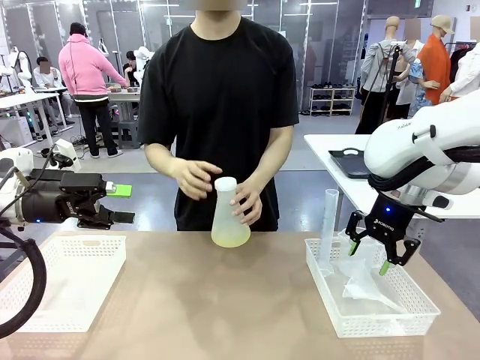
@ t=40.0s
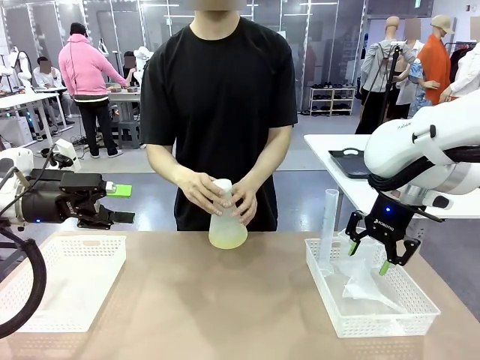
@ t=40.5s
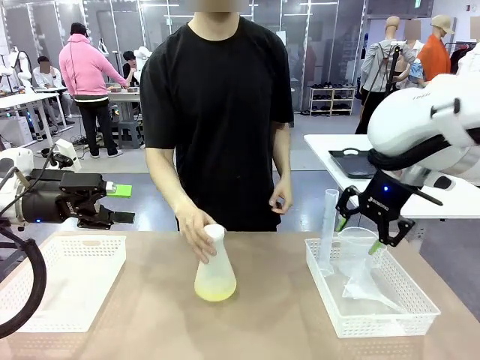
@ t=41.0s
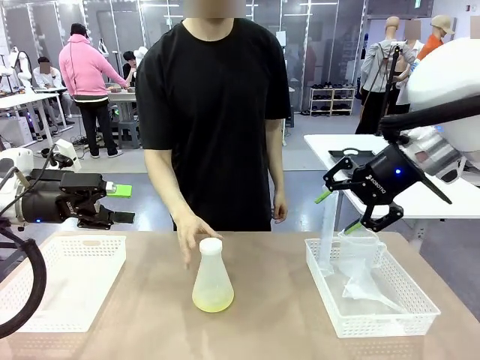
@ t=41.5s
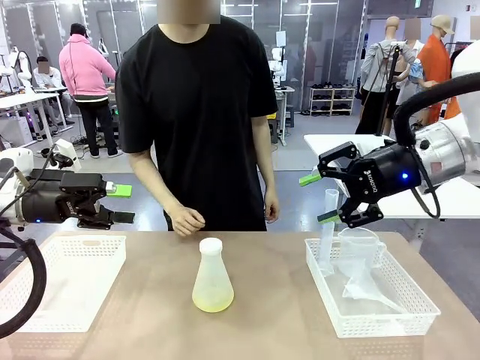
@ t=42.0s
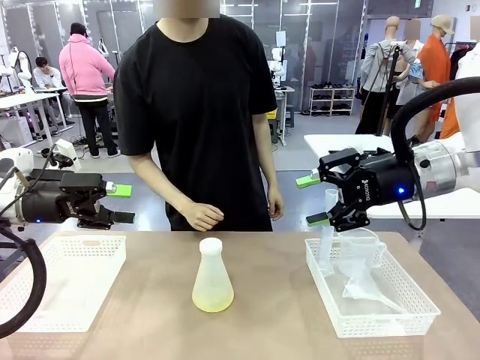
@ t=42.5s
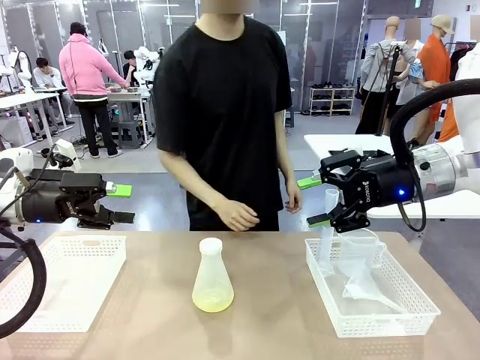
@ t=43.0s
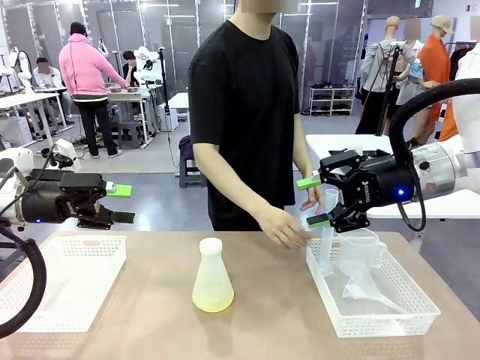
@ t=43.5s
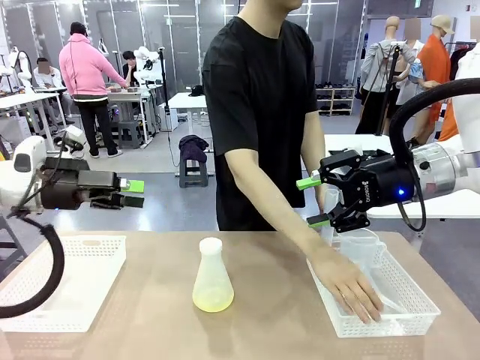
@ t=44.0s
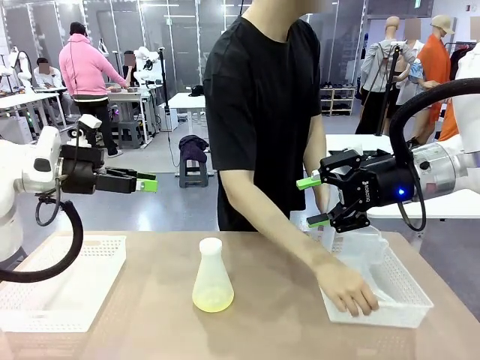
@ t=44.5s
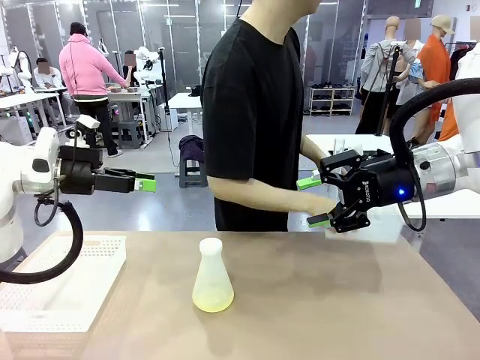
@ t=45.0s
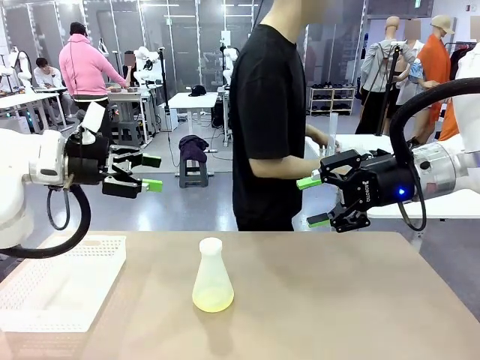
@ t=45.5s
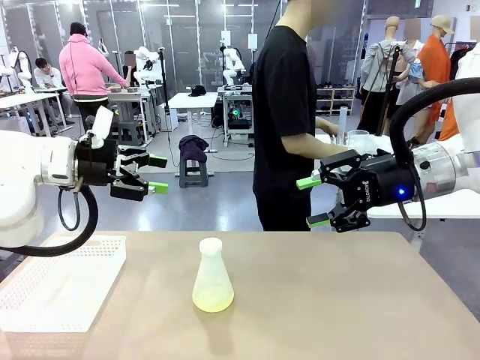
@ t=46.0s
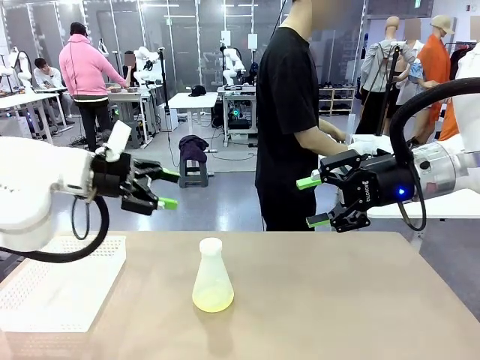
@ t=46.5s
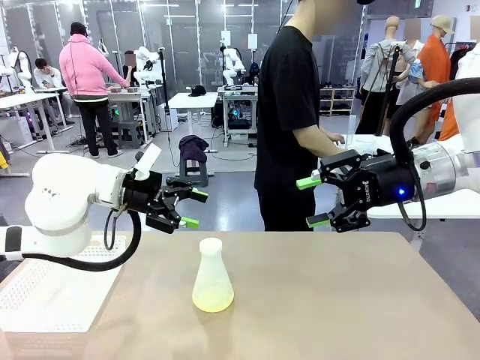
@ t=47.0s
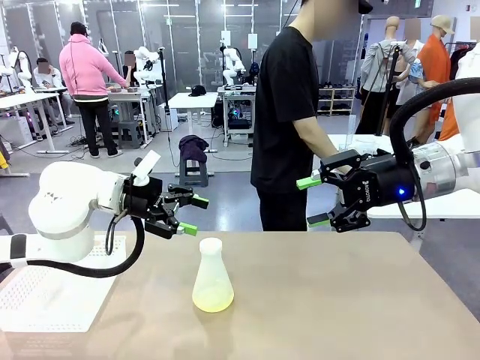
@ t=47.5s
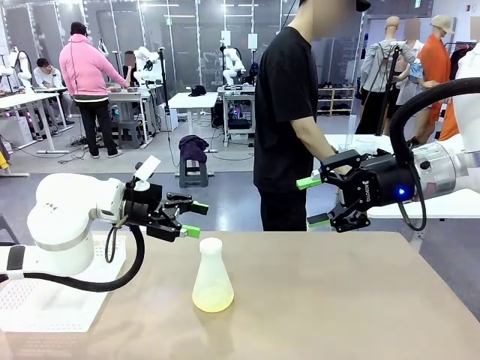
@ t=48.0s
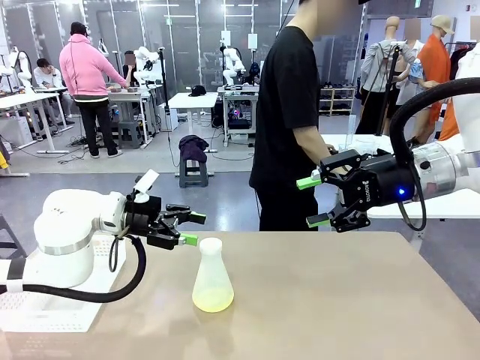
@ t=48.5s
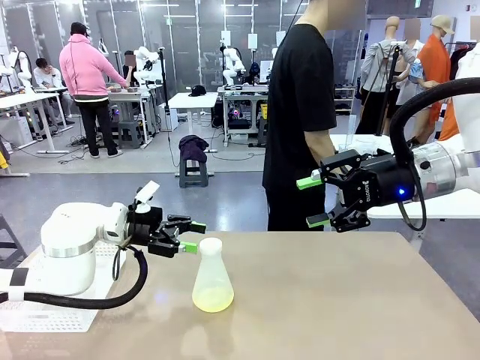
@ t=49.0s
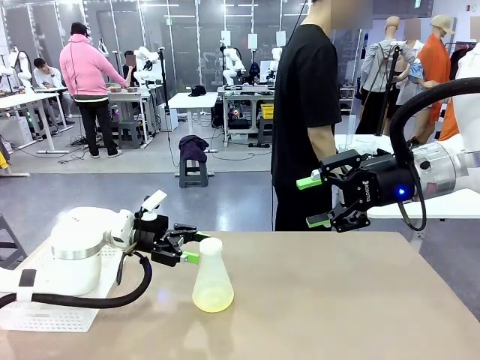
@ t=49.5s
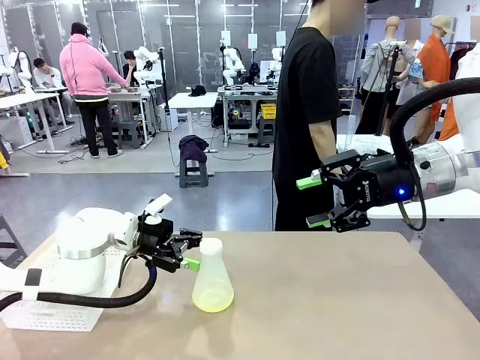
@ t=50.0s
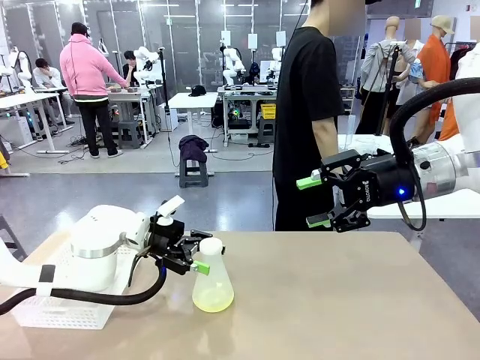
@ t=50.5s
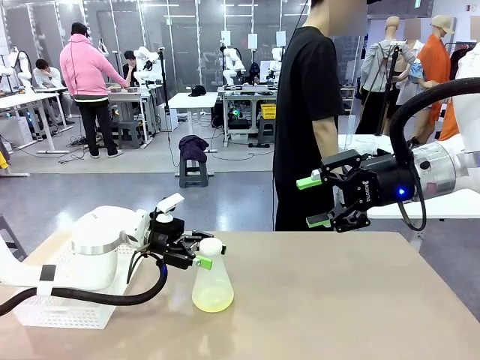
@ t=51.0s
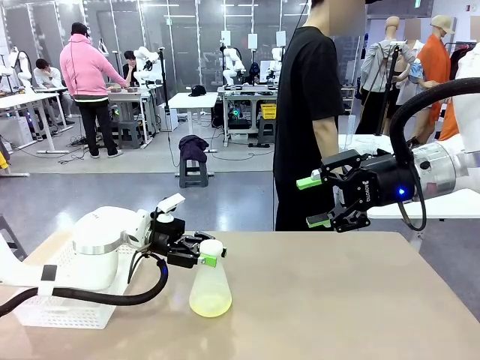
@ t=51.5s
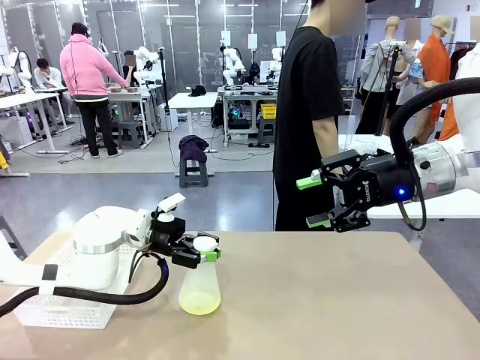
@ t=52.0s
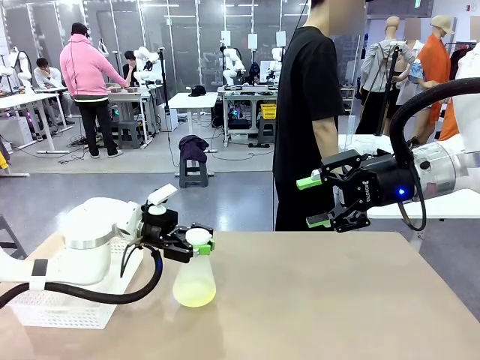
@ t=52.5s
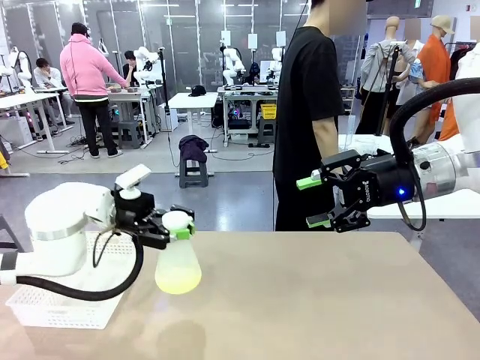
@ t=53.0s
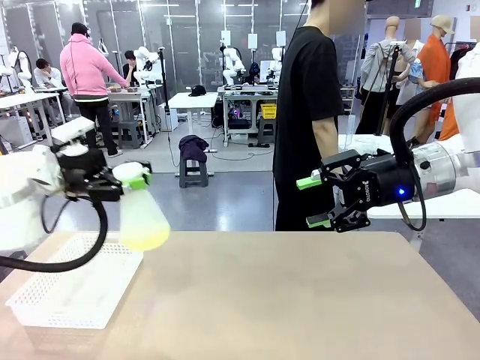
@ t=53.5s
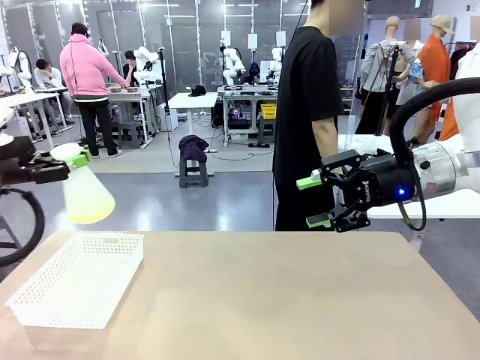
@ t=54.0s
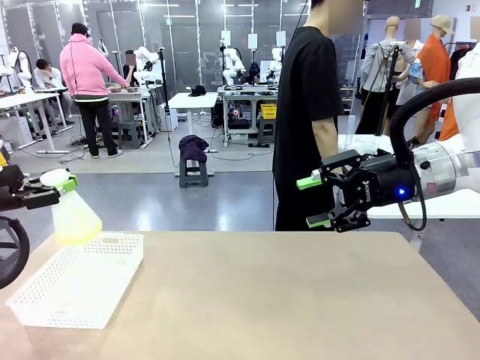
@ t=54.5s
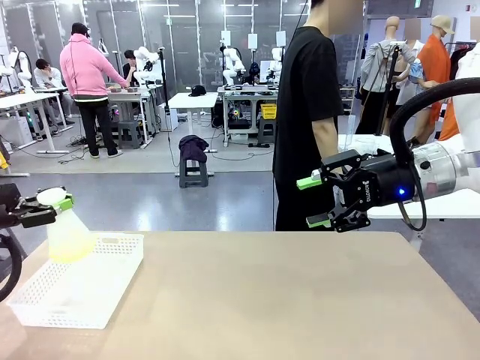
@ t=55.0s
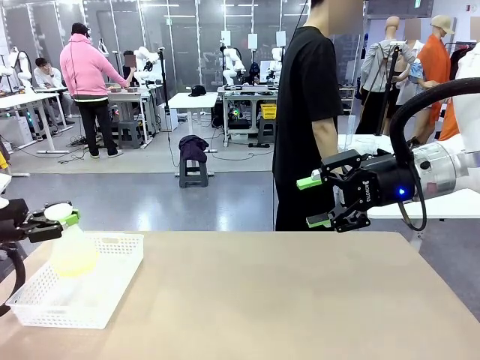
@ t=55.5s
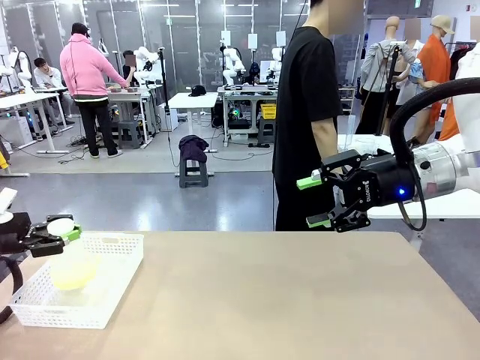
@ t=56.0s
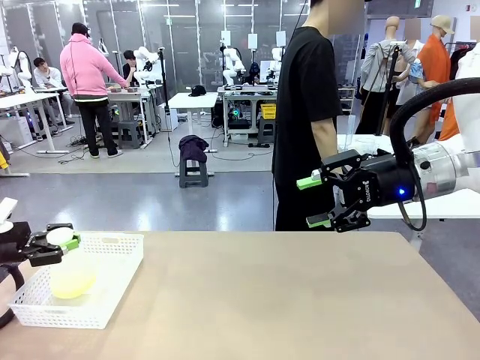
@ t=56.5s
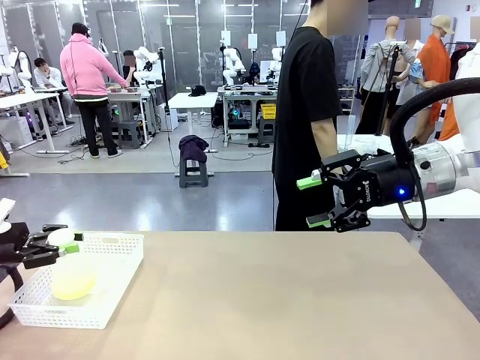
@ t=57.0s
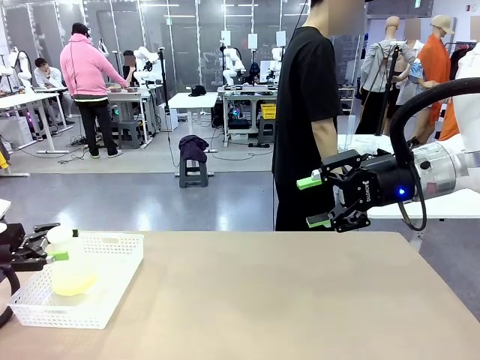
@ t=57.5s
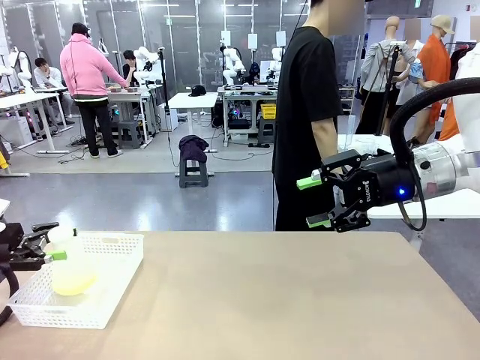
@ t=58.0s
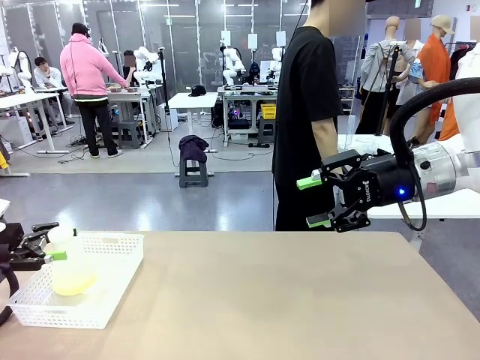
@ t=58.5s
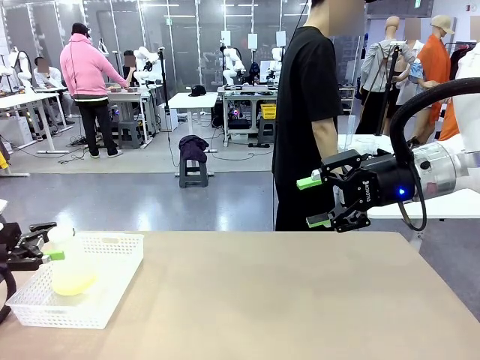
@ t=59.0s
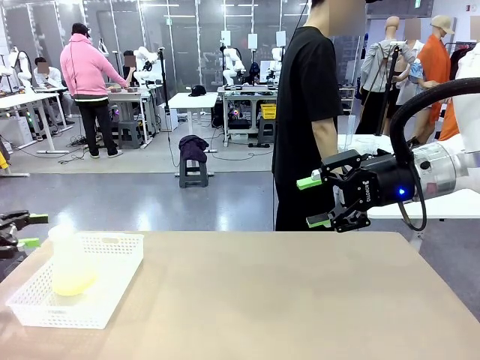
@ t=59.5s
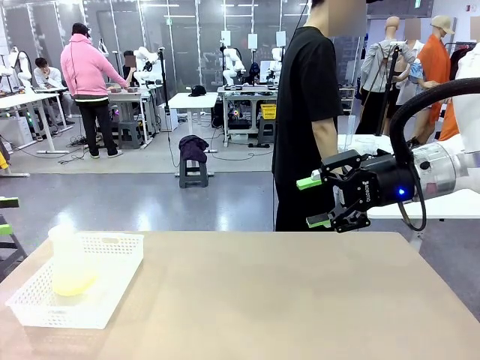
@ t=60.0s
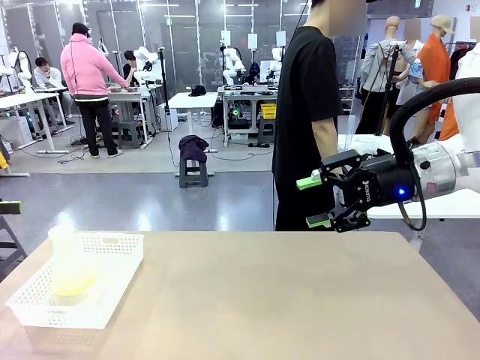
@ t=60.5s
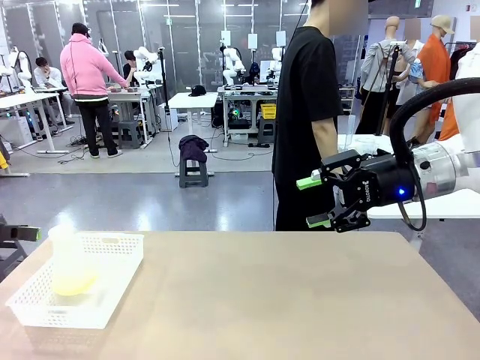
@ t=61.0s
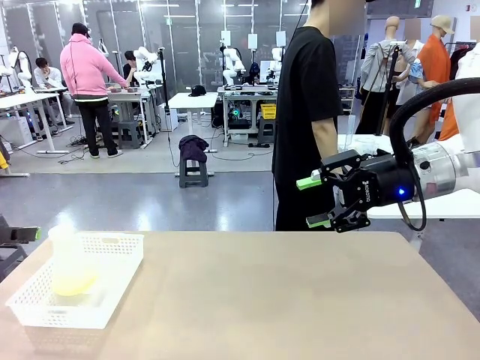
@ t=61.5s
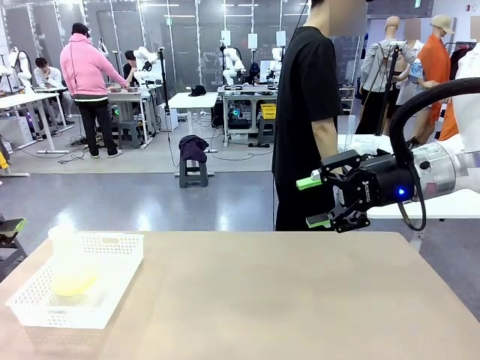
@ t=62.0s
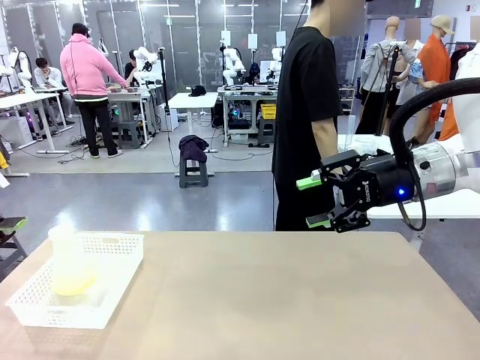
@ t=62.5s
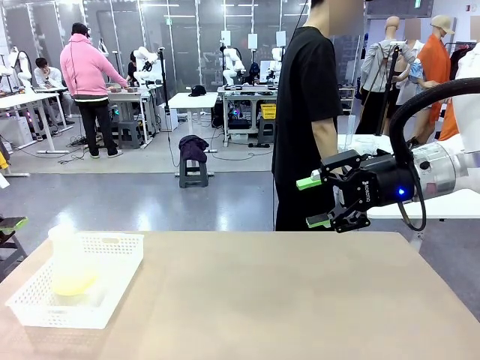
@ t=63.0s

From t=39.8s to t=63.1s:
Task: Prepare the solutions needed for the experiment.
Robot: When the human places the Big flask in the center of the table, pick up the Big flask and place it in the left Organizing basket.
Person: Pick up the organizing basket on the left side of the robot table and place it on the left side of the human table.
